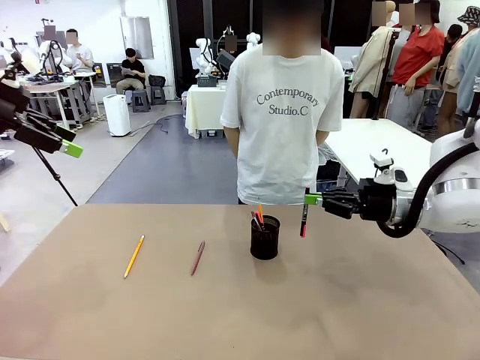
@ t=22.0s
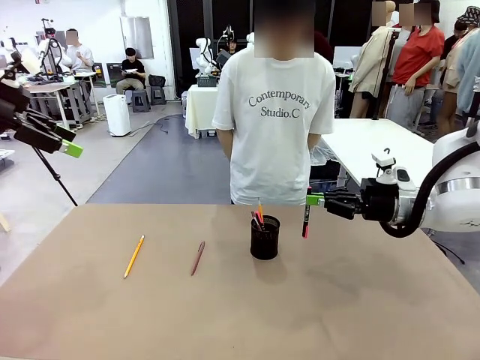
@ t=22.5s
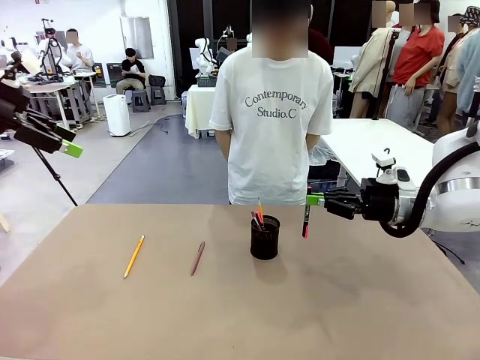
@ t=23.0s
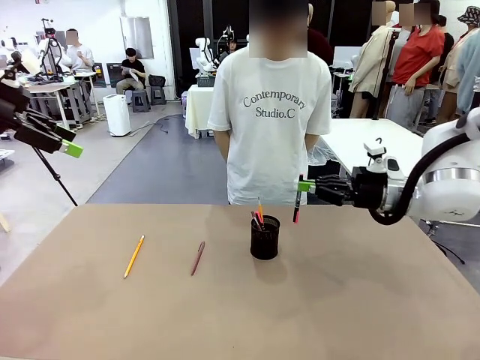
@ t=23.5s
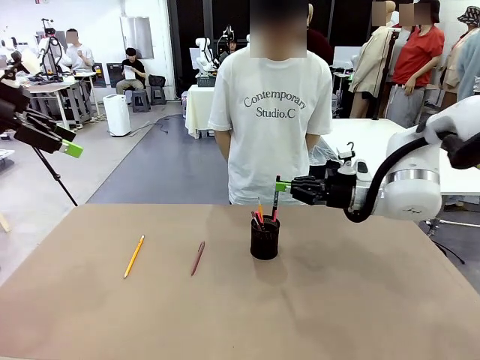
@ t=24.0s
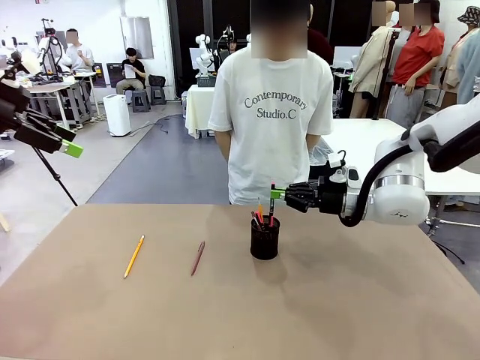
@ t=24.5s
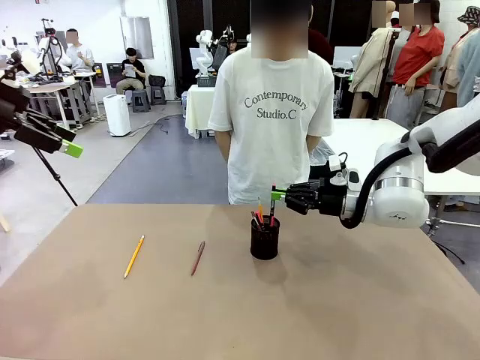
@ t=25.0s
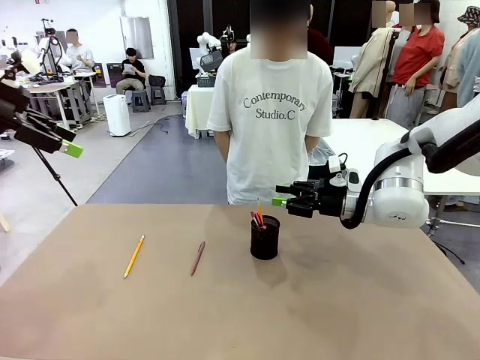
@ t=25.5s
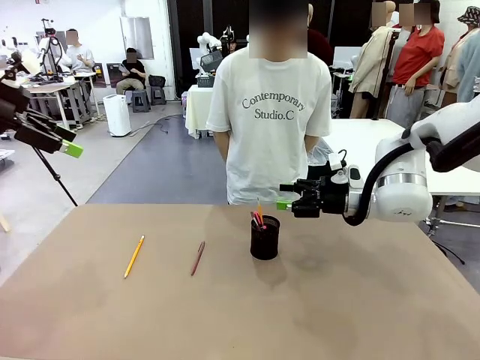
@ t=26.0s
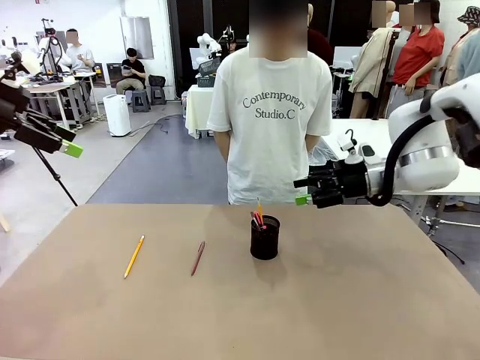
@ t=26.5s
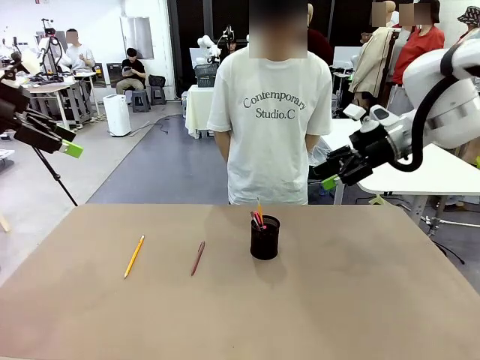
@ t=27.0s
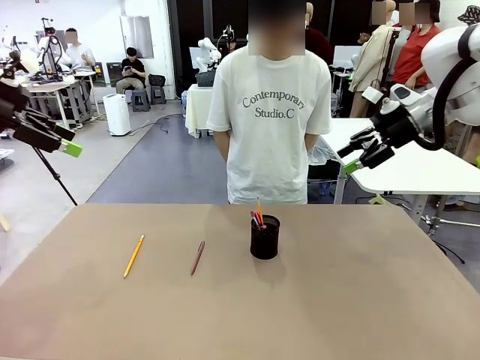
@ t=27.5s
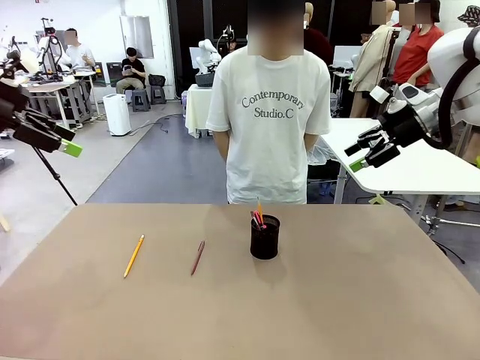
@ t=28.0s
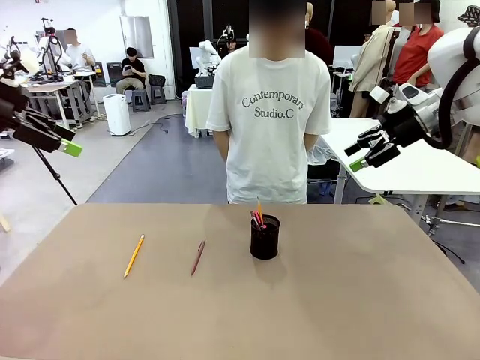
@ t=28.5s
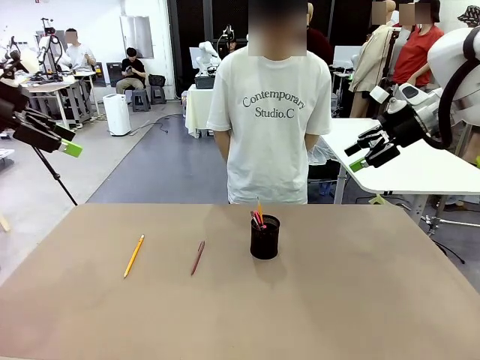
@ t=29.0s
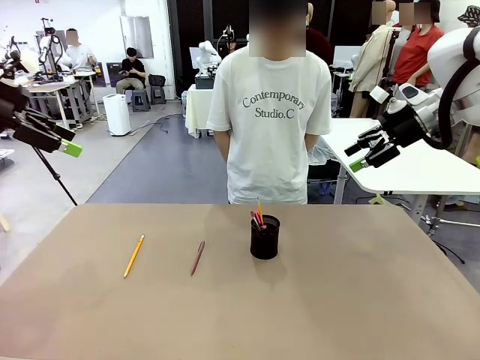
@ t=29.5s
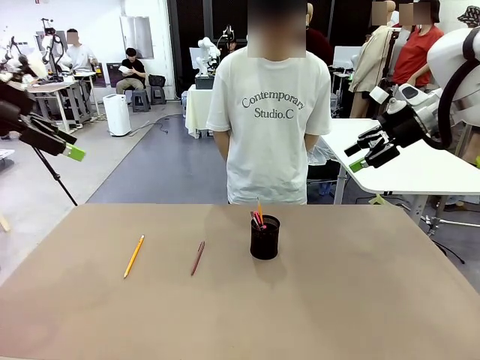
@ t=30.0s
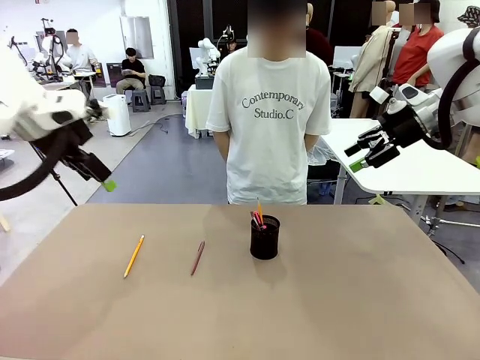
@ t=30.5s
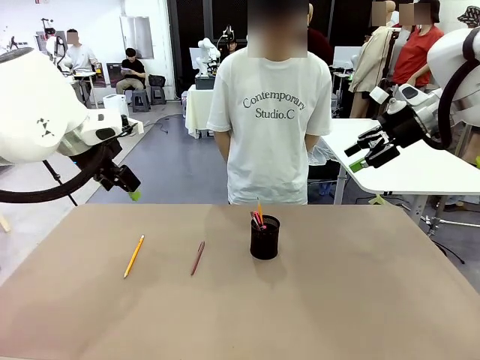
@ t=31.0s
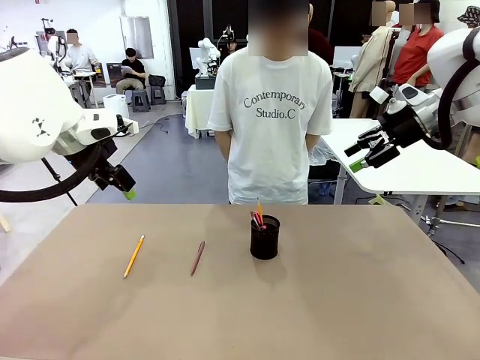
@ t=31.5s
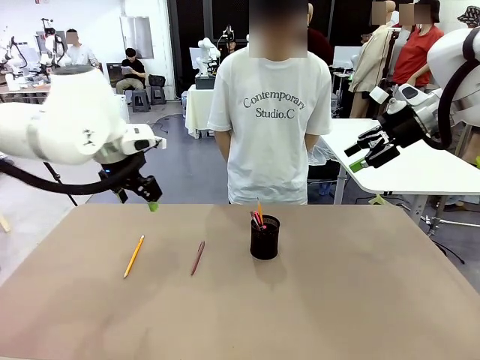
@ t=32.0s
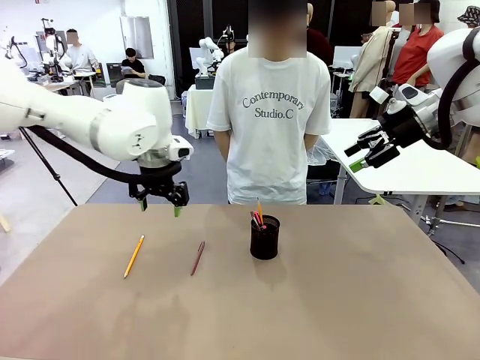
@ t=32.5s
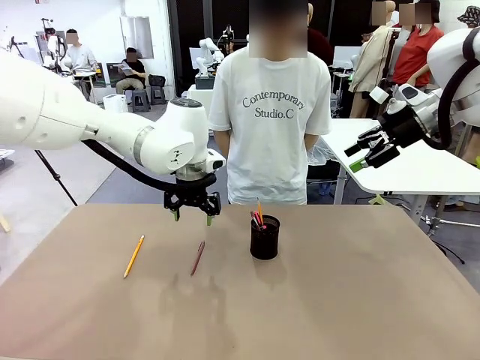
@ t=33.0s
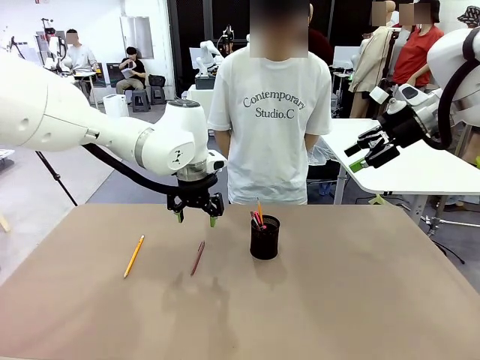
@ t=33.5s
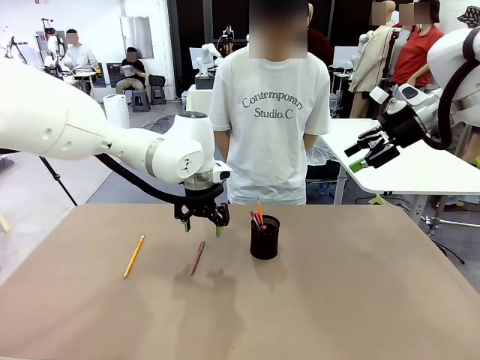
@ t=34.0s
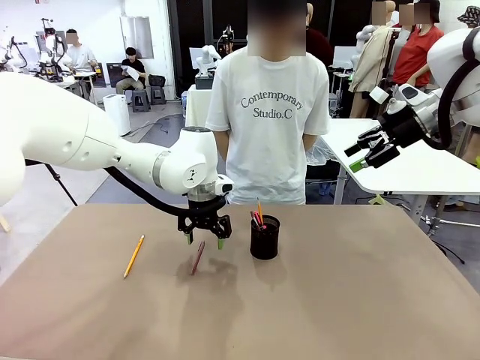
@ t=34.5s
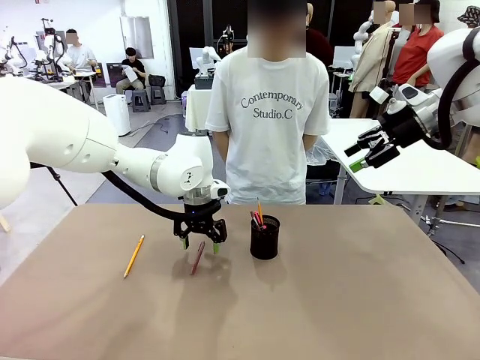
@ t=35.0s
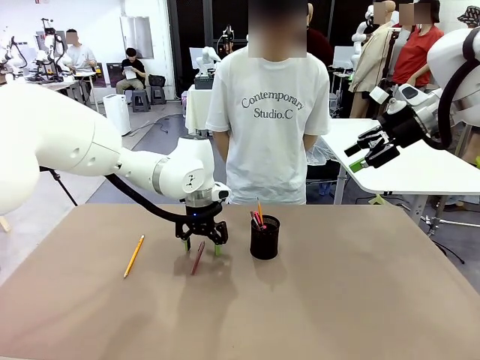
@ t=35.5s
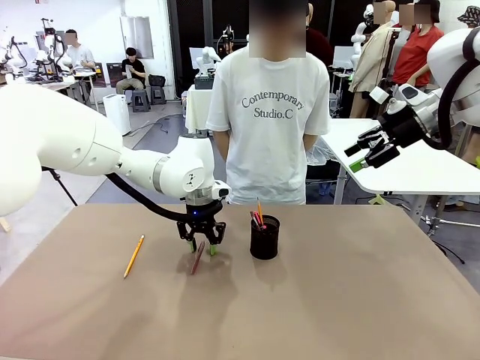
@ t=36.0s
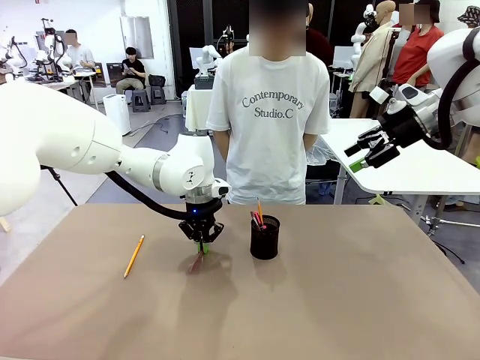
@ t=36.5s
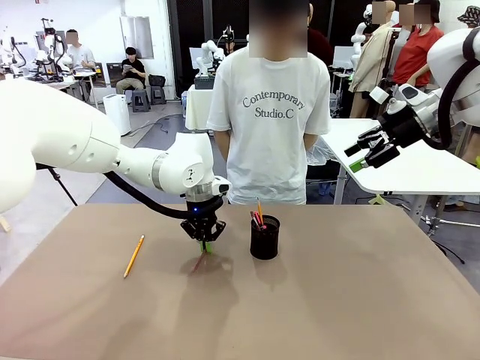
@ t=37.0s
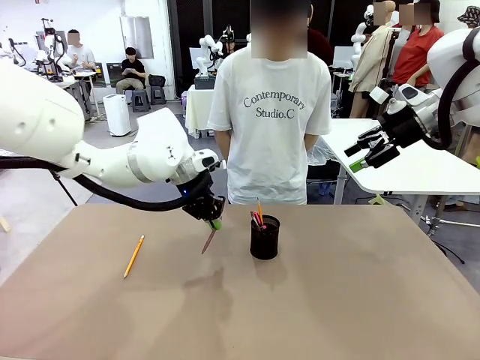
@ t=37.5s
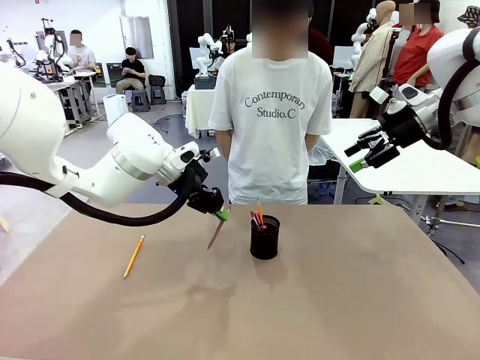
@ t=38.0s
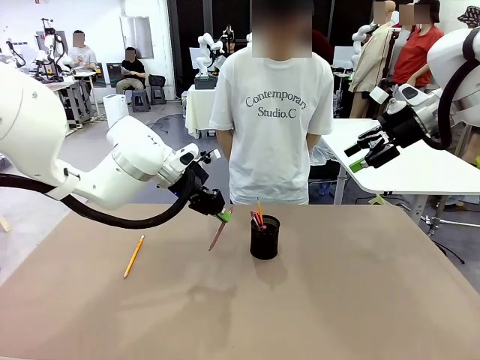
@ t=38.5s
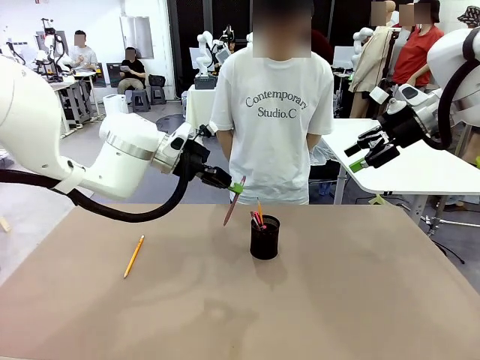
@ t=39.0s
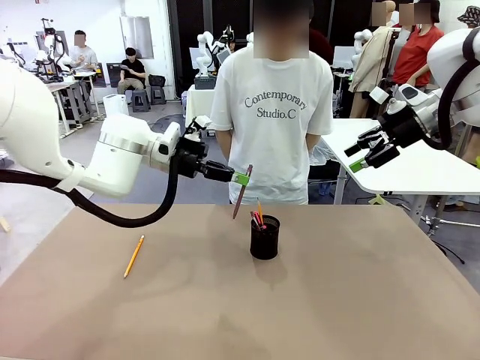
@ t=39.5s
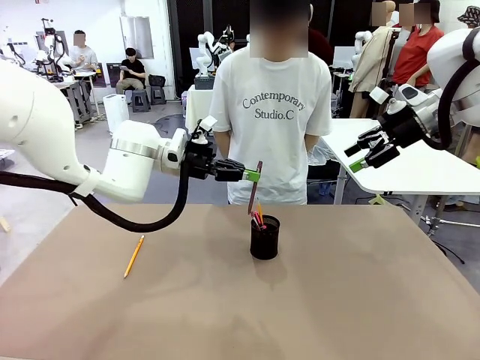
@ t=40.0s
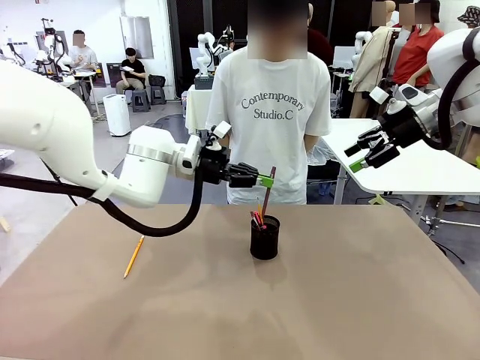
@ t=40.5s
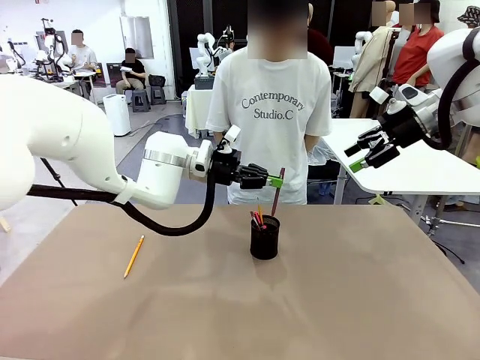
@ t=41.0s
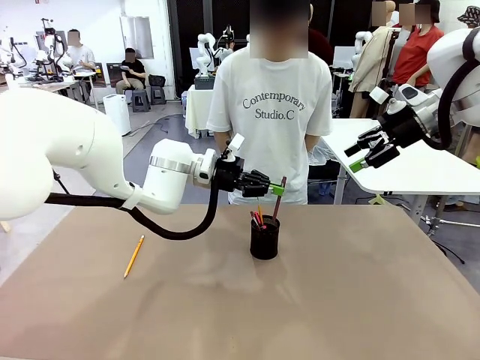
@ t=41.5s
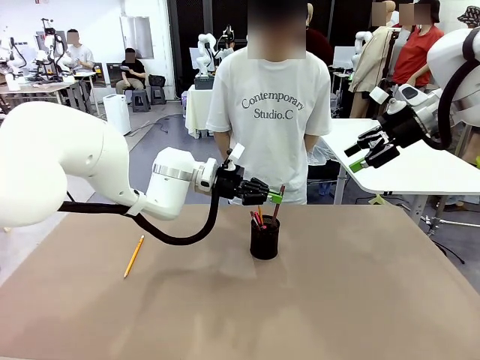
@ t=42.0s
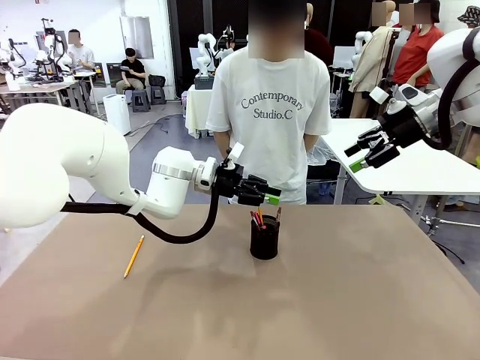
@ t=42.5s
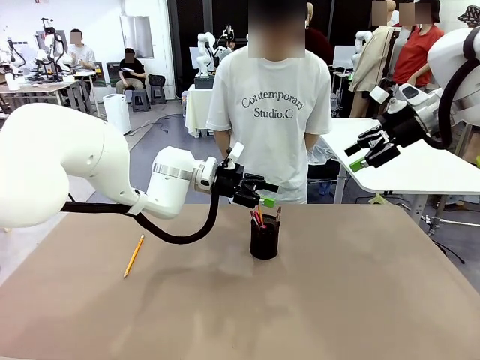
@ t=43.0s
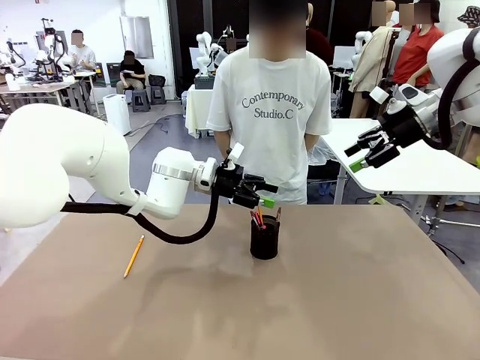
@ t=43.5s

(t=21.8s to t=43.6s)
Task: Place the pens into the pen holder.
Robot: Pick up a writing instrument from the table and place it into the Pen holder.
